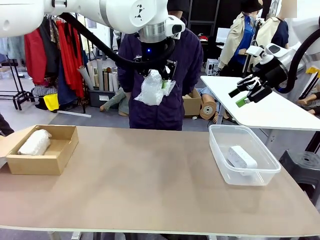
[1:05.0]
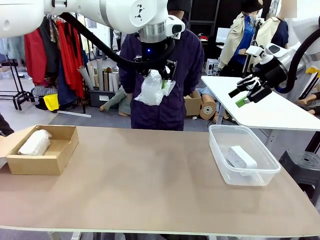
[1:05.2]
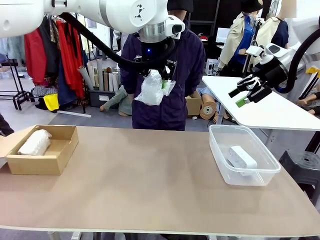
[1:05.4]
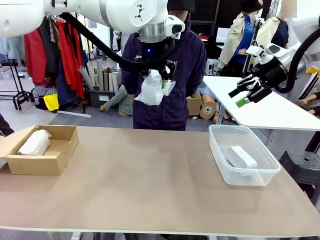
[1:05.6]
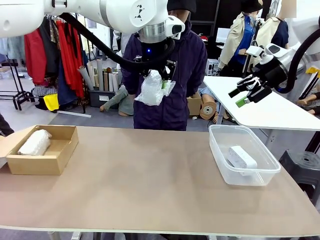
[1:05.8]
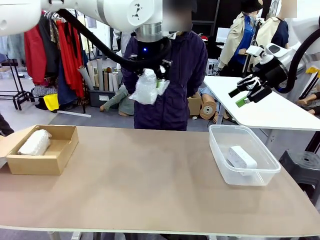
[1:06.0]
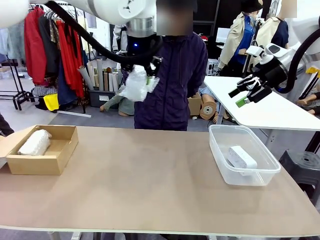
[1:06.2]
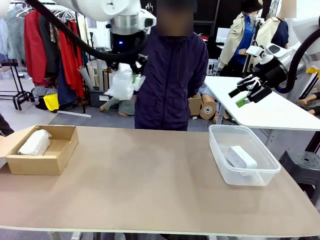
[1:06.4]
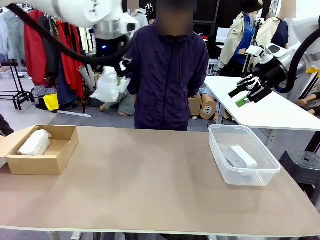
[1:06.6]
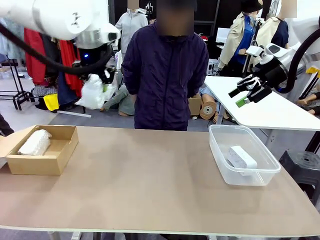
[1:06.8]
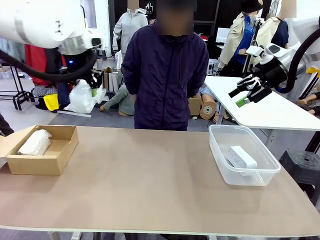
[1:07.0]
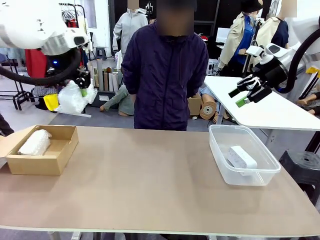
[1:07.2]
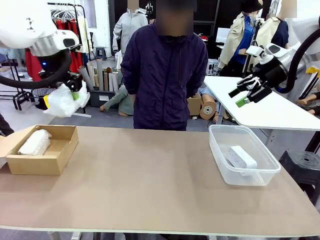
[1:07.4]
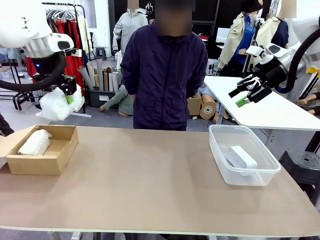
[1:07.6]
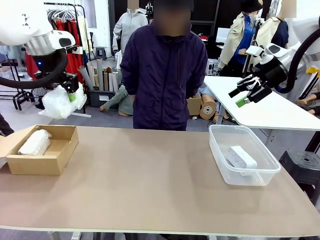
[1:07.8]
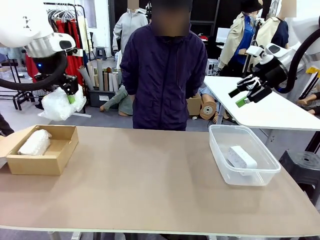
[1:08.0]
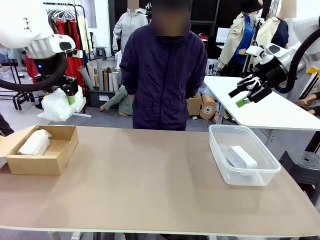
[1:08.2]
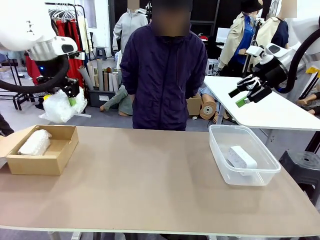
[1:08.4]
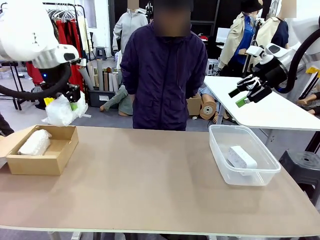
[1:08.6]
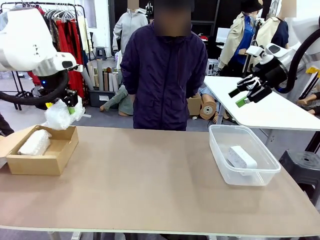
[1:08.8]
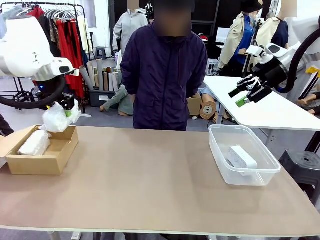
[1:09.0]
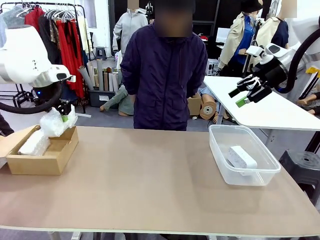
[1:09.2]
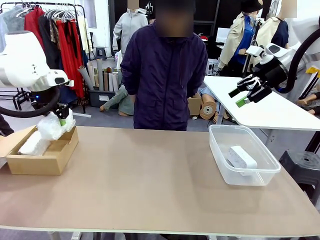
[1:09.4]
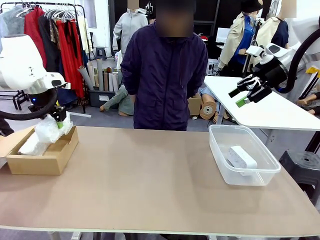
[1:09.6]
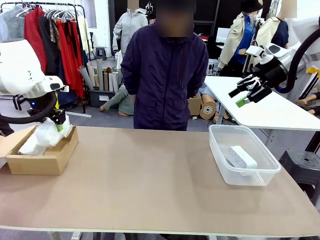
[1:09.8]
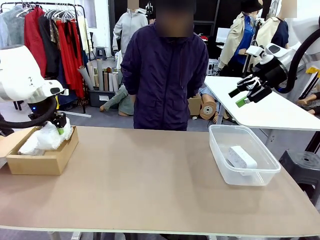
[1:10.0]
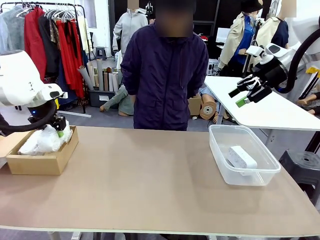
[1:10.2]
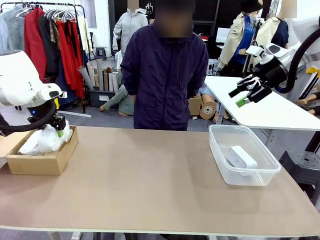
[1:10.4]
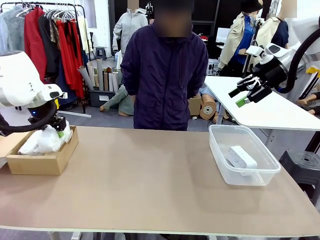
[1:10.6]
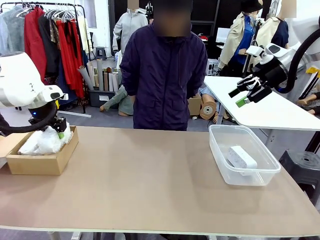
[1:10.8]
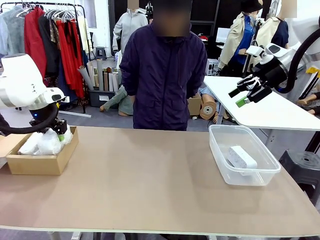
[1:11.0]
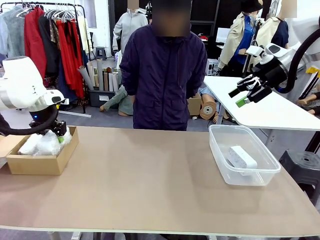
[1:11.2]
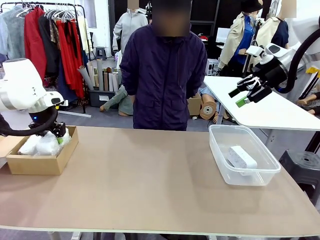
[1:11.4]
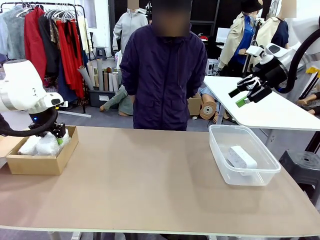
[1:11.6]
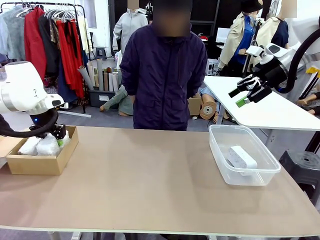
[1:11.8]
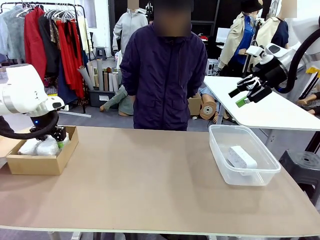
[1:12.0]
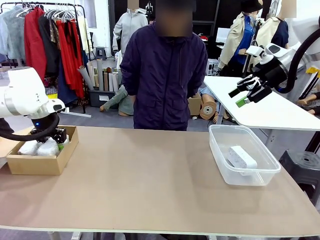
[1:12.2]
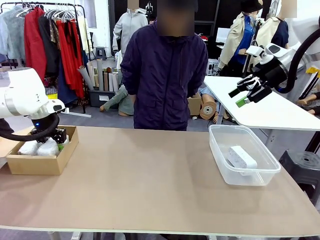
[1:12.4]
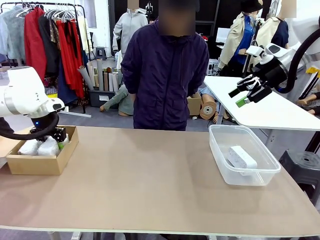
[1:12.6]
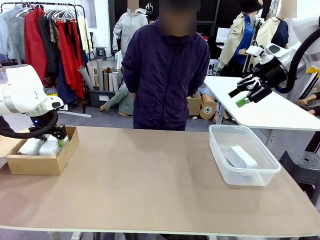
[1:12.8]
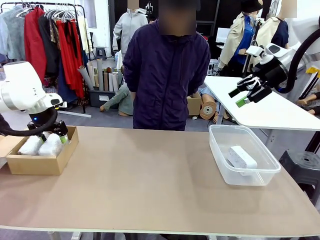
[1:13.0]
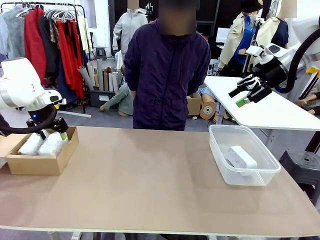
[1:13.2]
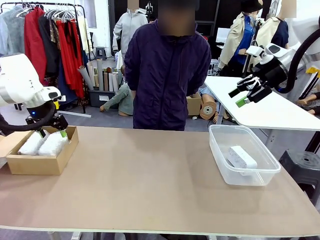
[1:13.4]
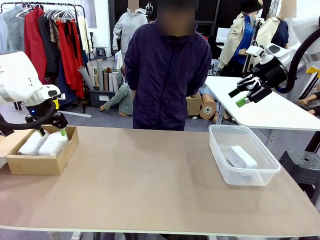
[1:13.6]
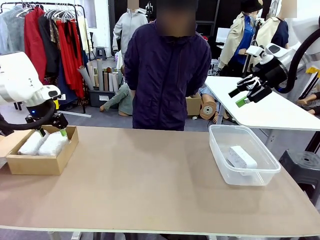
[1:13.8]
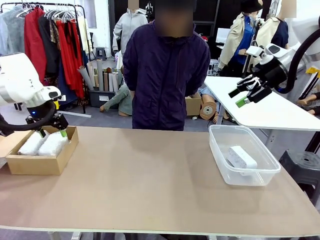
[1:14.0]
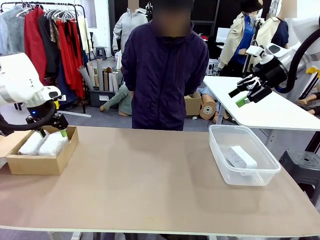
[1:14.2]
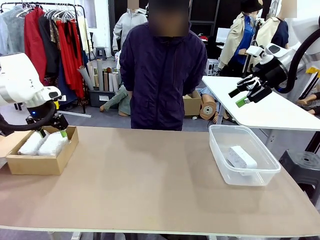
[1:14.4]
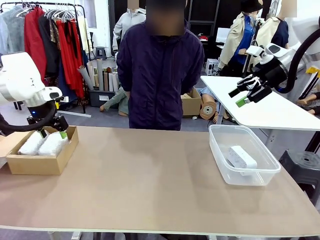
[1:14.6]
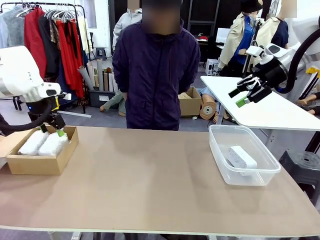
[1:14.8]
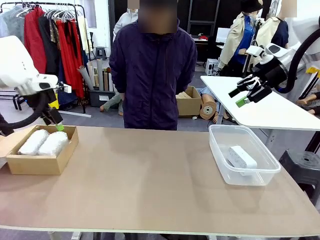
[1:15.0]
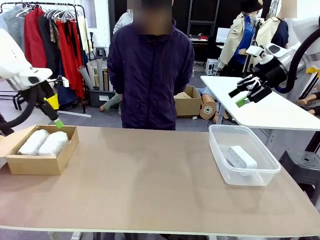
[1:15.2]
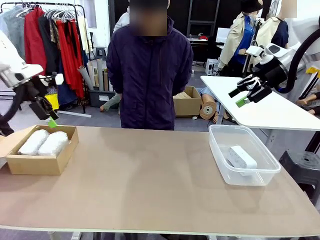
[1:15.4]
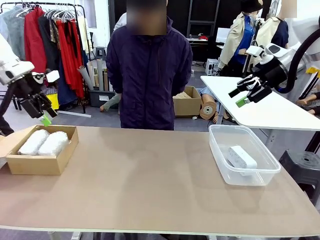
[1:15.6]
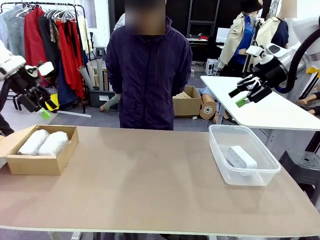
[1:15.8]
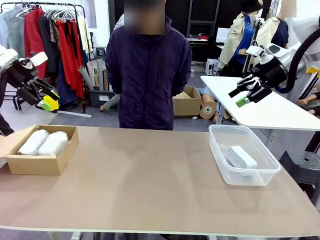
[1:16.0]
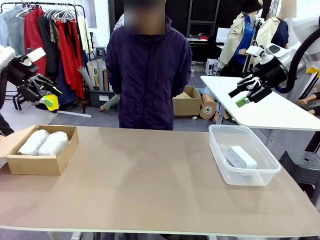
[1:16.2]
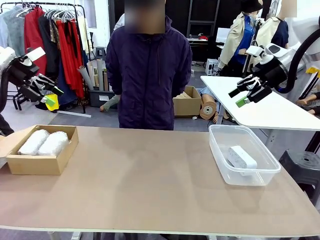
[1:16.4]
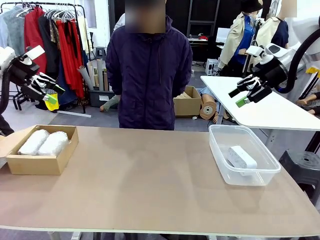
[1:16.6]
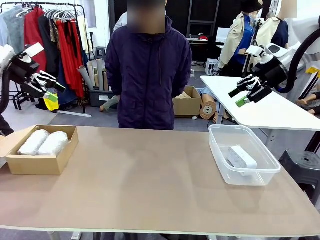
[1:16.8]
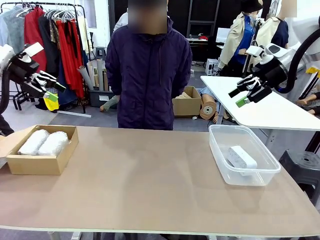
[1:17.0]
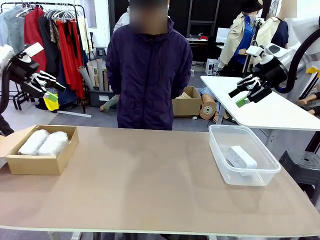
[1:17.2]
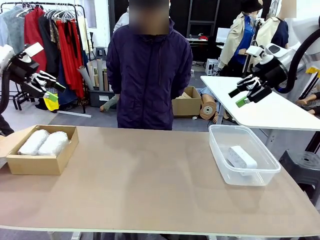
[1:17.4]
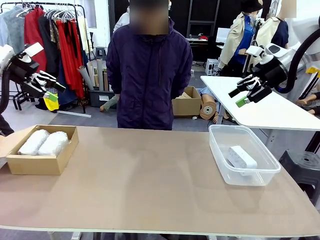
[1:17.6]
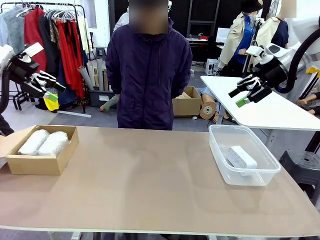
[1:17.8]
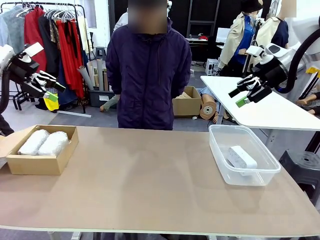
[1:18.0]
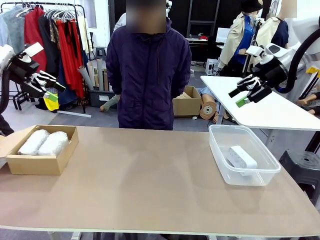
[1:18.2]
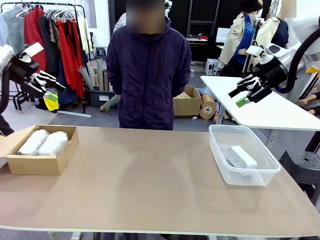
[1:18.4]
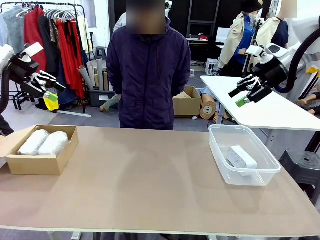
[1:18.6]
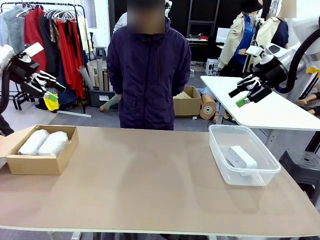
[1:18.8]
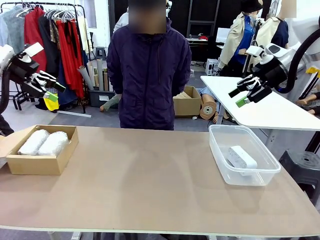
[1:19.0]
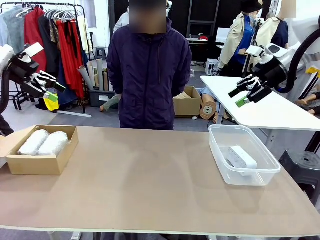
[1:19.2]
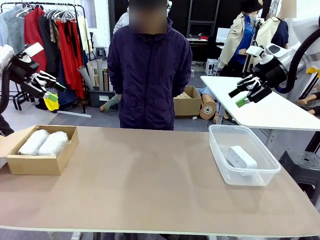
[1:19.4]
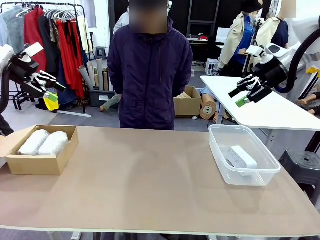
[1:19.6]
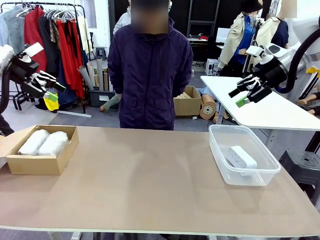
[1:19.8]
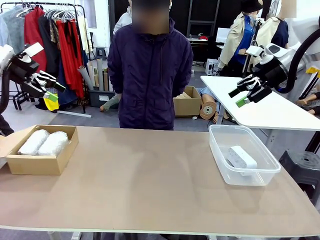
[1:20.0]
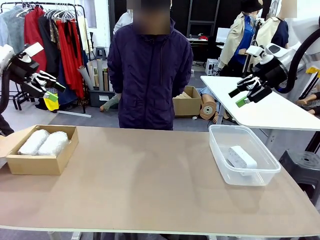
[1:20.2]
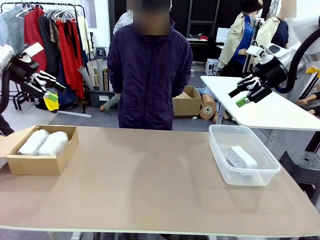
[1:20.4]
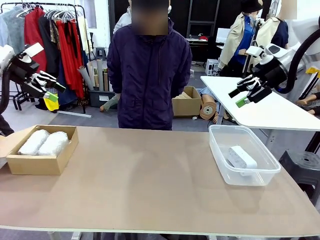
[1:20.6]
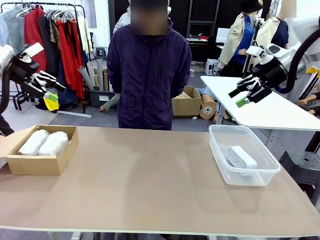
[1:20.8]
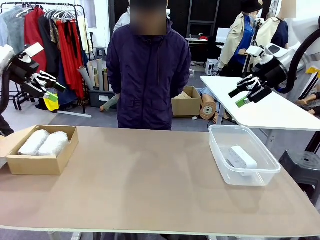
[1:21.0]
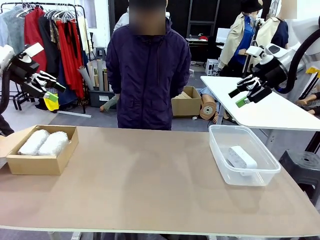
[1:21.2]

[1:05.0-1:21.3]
Task: Separate and place wrapped and unwrapped clocks.
Robot: If the picked Digital clock is wrapped, place it in the Package Box ; if not, place it in the Organizing box.
